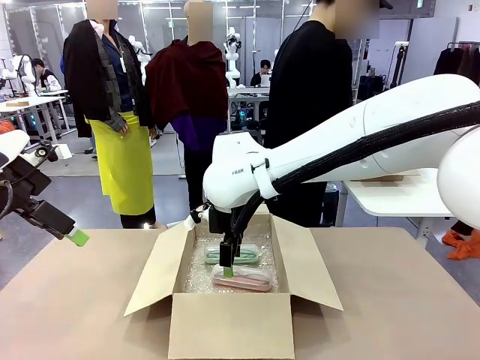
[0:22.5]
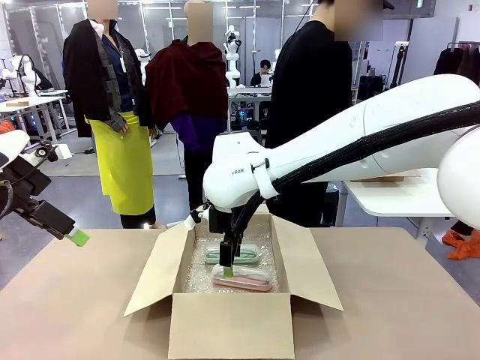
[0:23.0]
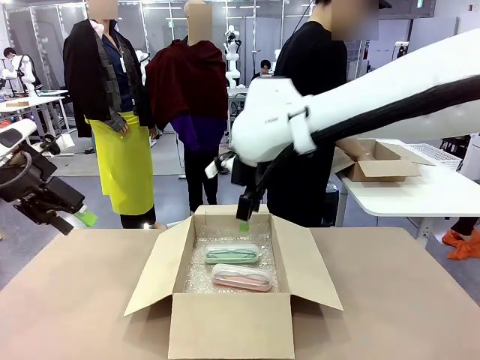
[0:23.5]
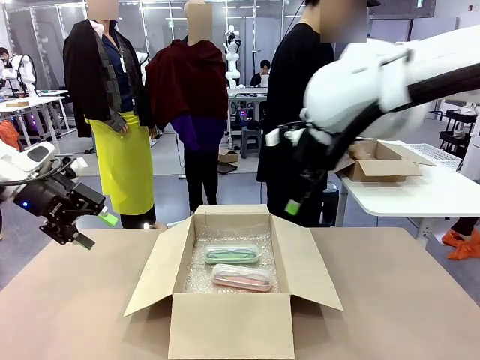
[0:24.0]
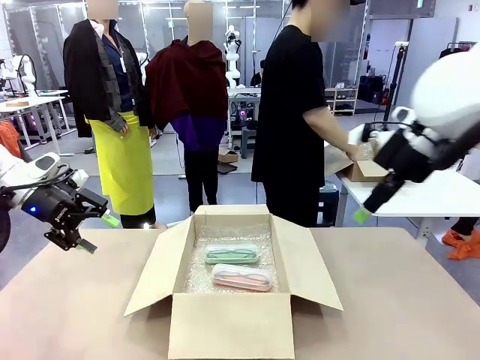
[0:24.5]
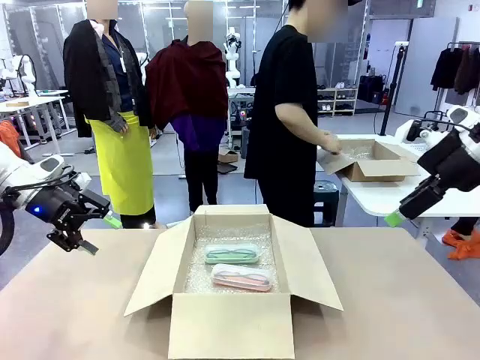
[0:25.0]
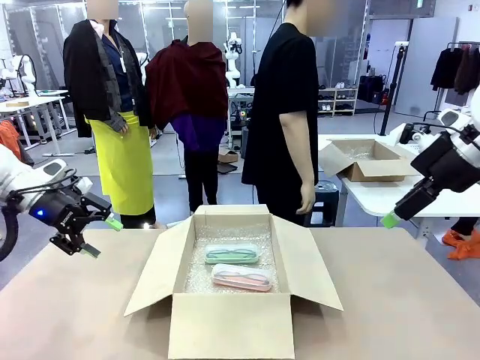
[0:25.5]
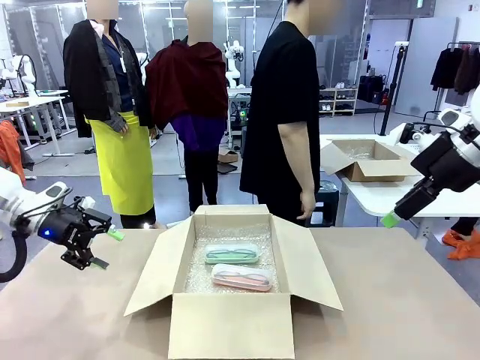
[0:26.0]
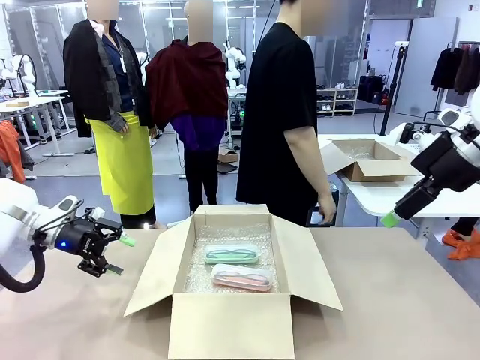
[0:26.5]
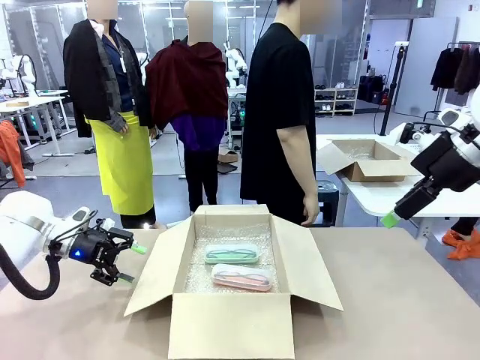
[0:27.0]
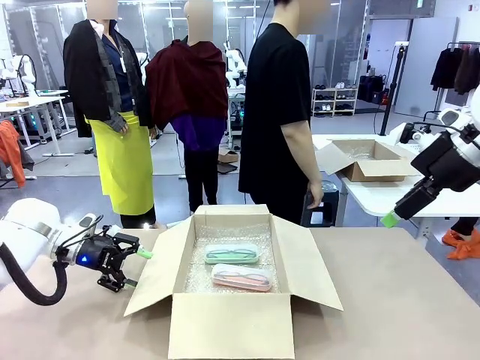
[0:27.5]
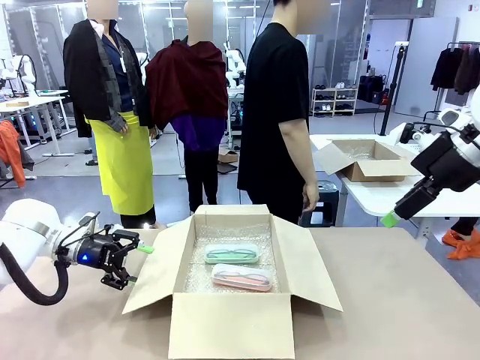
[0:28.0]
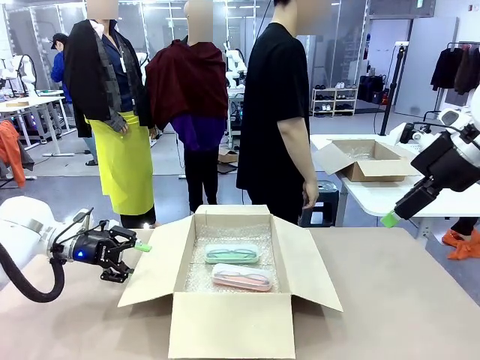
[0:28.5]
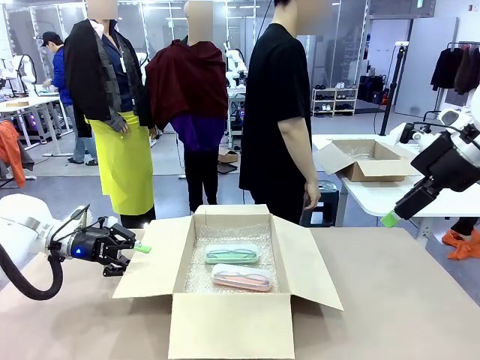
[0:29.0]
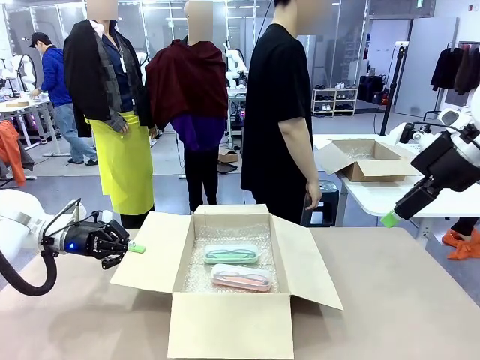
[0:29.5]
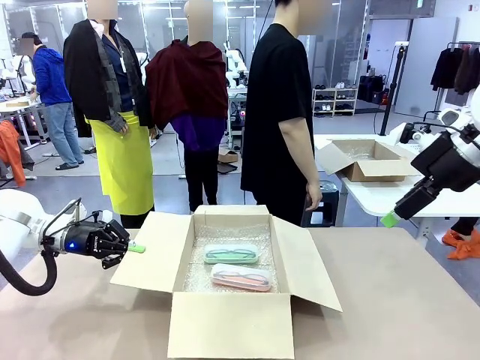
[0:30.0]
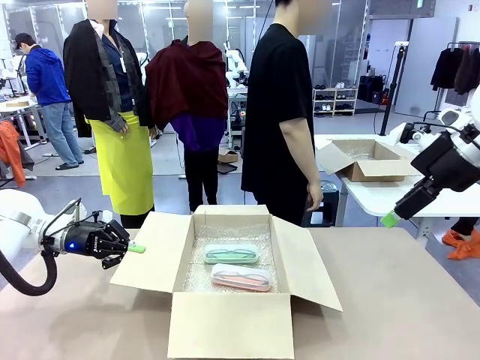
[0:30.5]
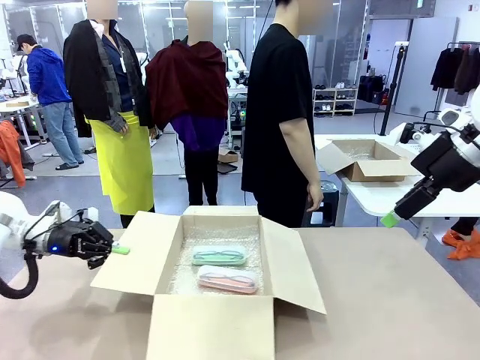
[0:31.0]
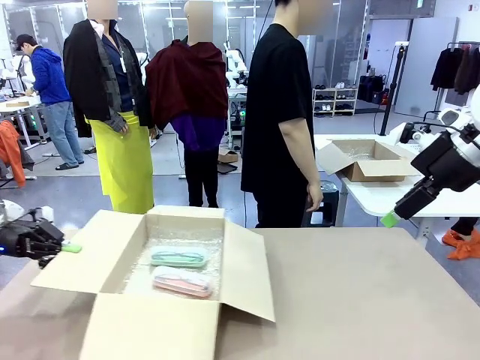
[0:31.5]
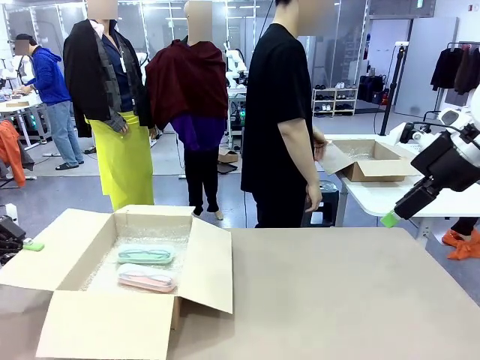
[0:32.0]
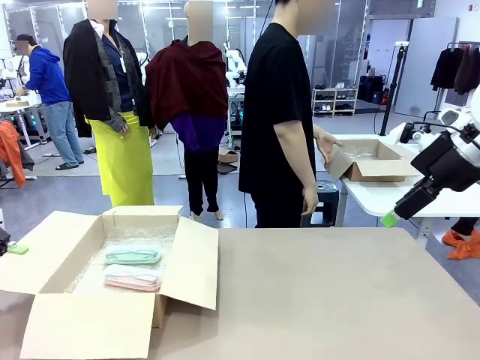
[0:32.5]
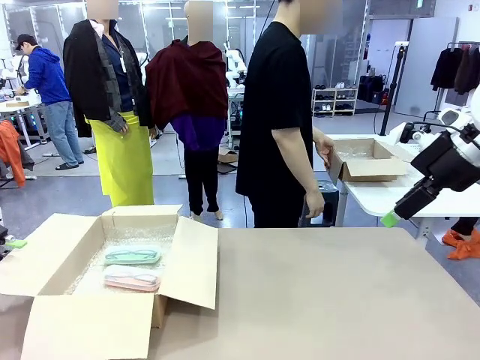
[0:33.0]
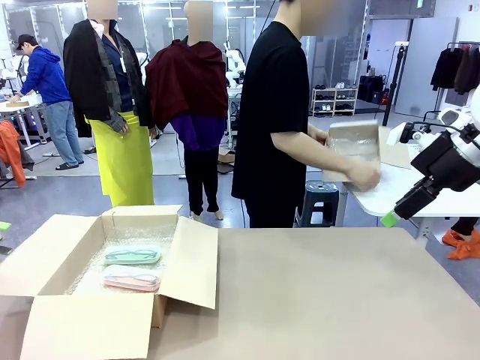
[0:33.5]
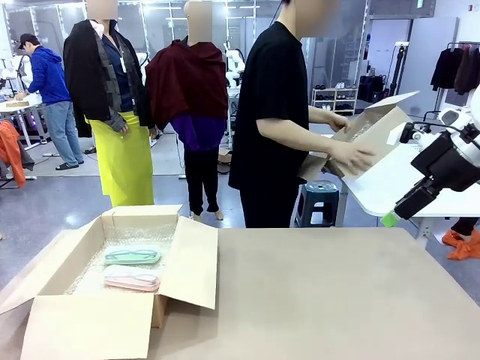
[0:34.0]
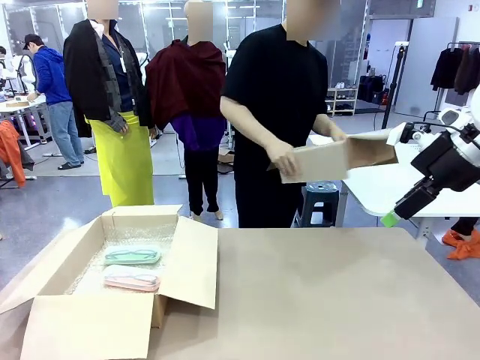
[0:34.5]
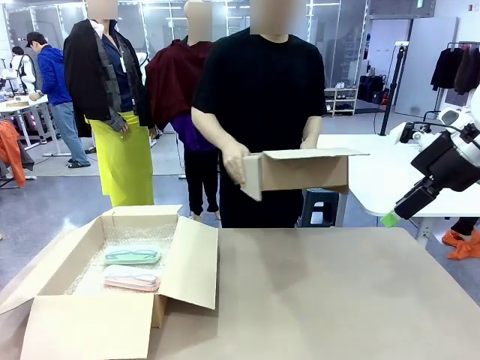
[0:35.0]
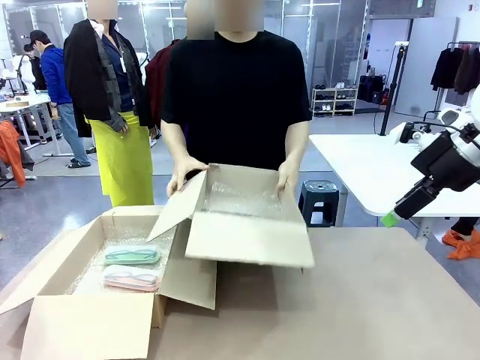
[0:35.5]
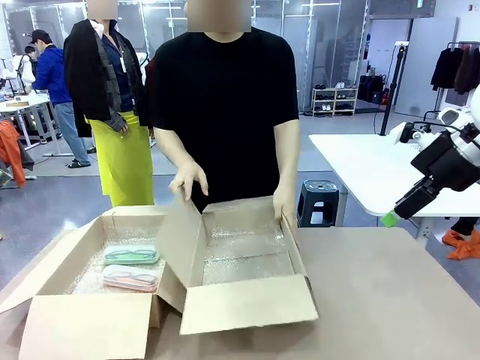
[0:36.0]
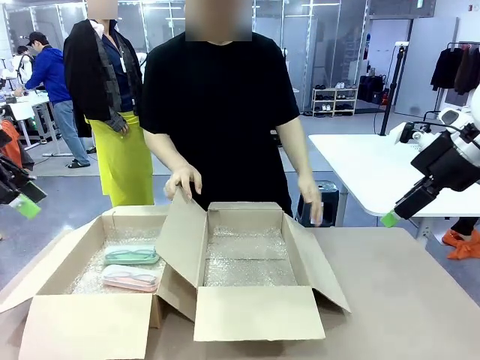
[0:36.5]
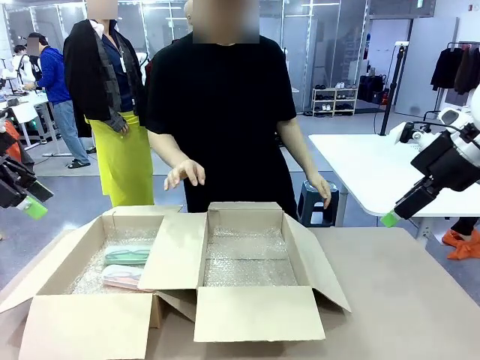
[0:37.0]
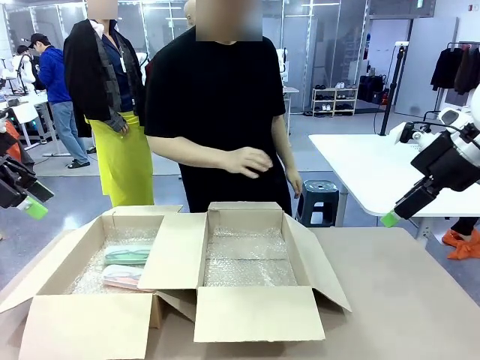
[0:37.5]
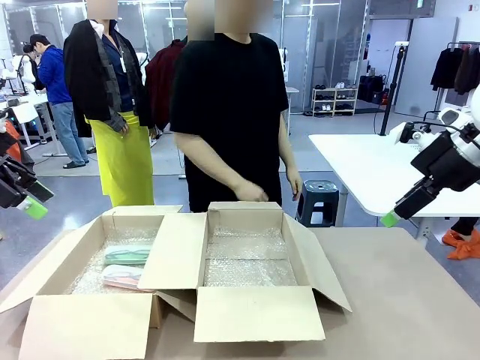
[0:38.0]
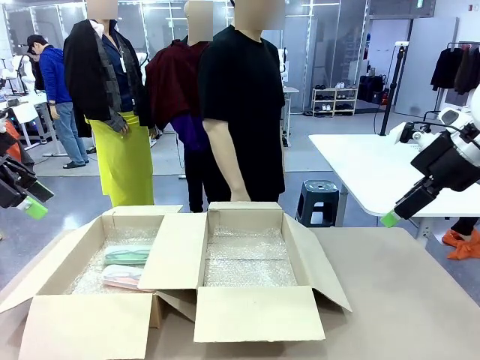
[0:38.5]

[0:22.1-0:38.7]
Task: Pack the glasses set securely to prepare it for shipping.
Robot: Position the Package Box on the left side of the table.
Person: Position the empty Package Box in the middle of the robot's table.

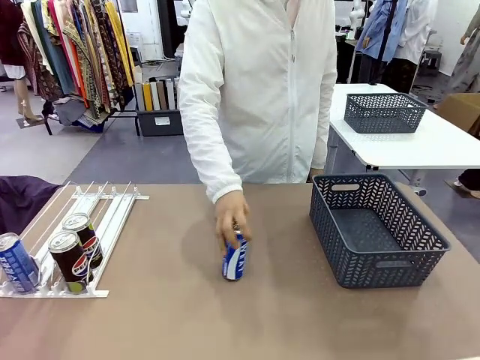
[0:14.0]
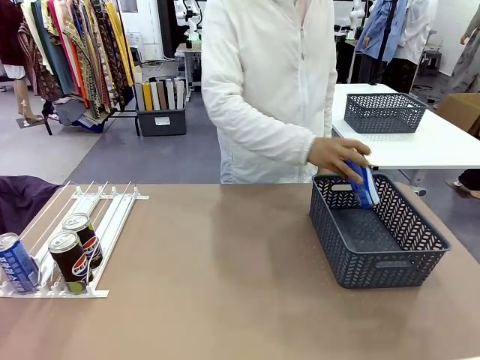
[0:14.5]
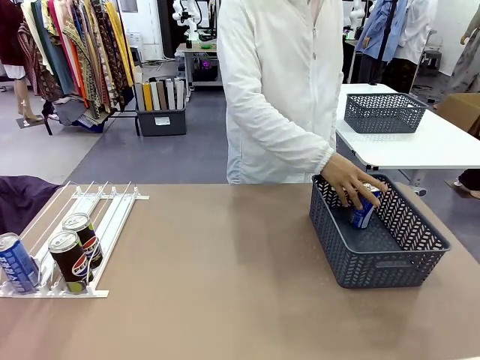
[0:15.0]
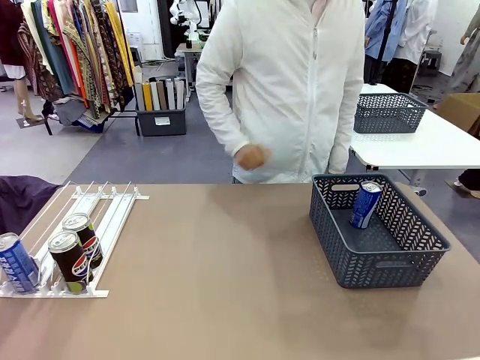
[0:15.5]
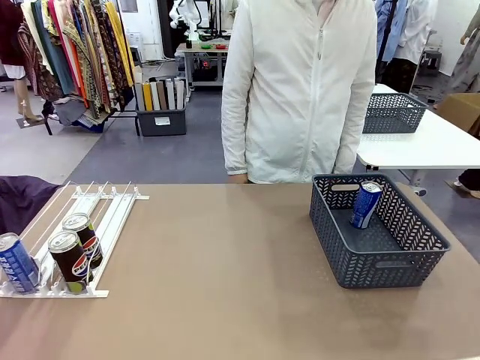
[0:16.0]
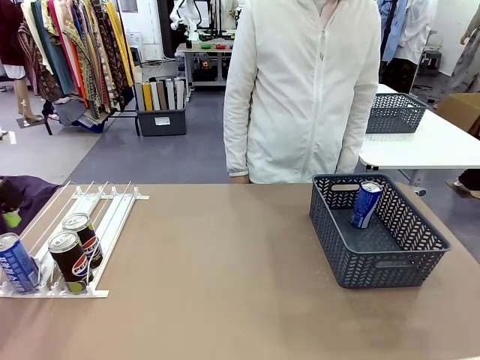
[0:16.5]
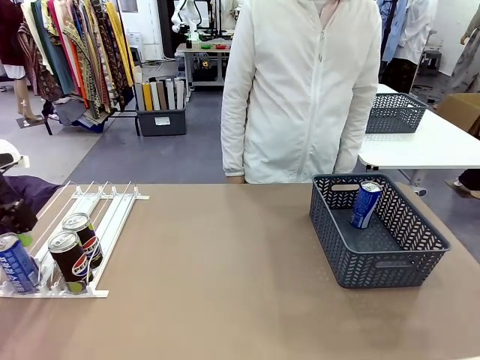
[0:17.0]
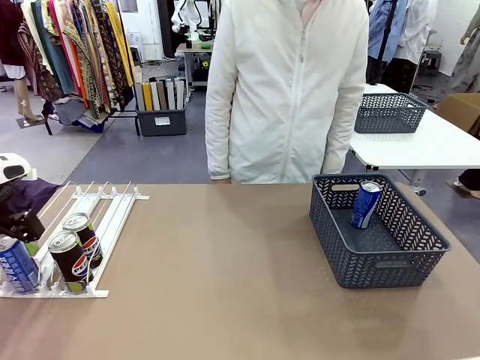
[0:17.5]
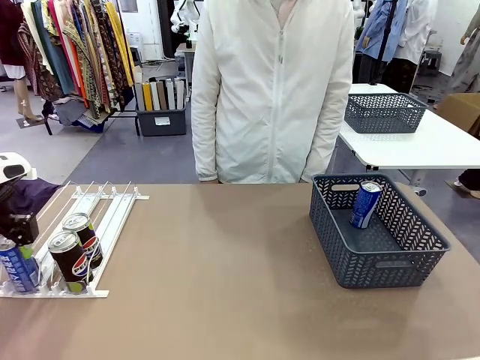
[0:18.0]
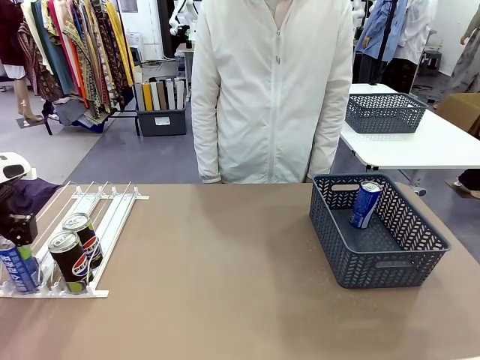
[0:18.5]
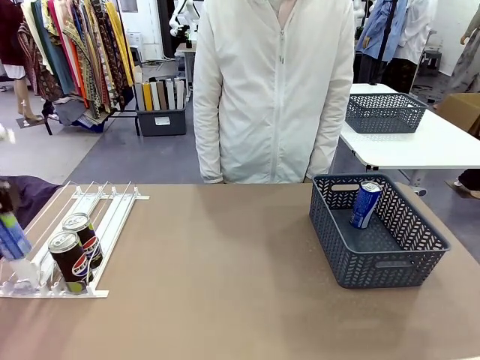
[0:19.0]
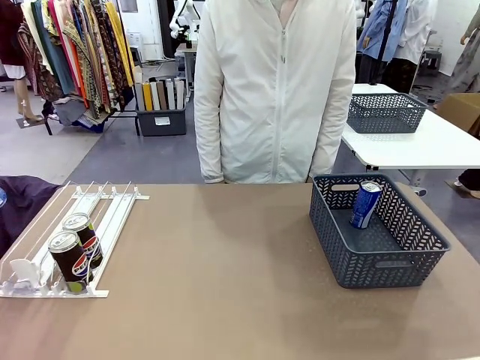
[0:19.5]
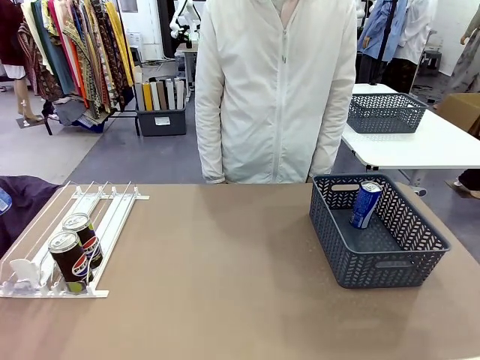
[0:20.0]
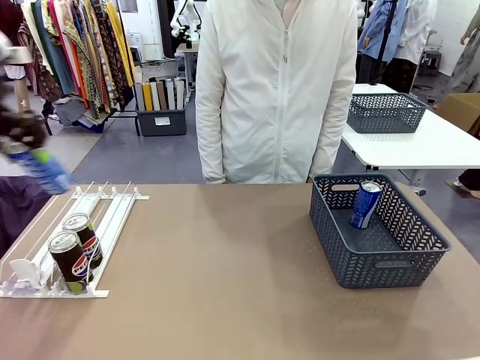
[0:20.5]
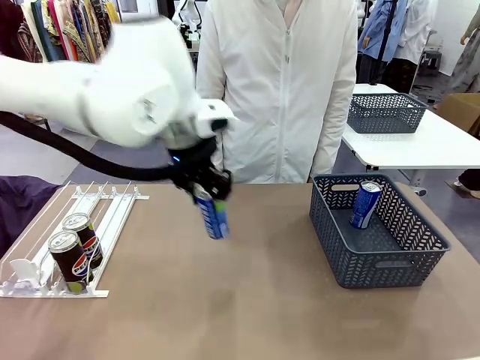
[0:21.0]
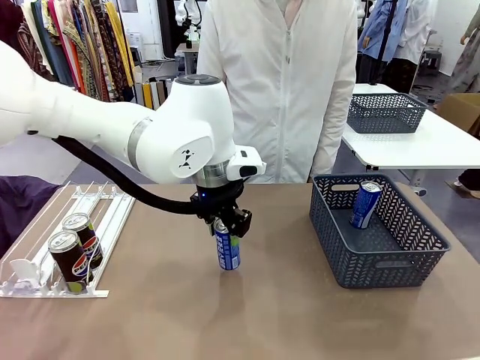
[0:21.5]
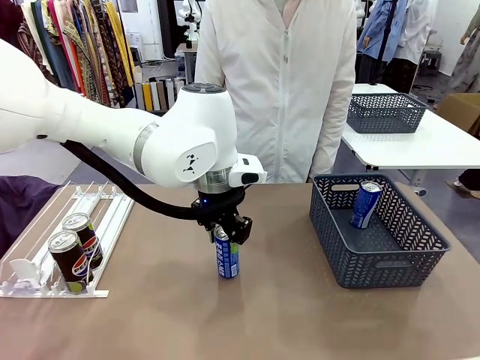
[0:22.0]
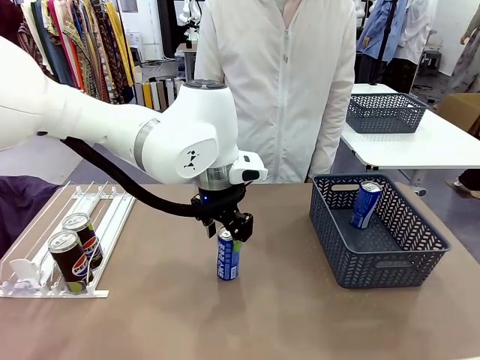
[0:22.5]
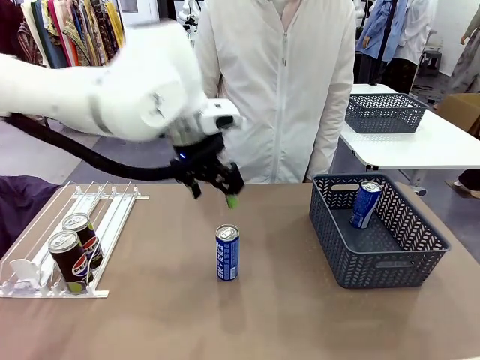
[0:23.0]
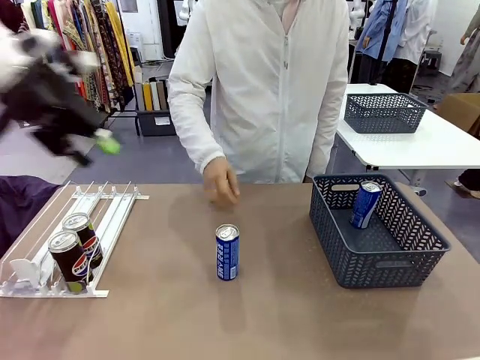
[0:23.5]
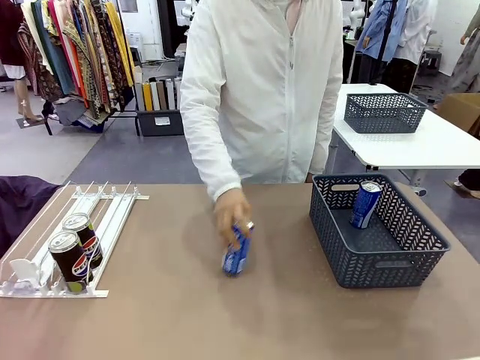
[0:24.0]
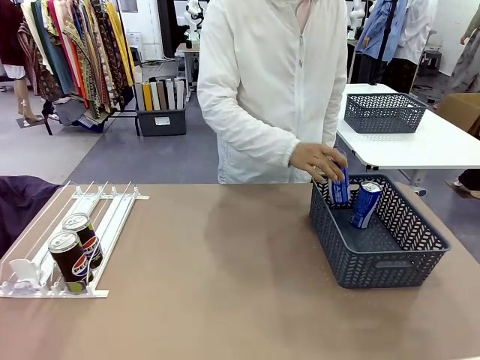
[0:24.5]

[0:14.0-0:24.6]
Task: Retrieve and store the cans from the dispenser.
Robot: Pick up the last remaining can from one row of the Automatic Can Dispenser and place it in the middle of the table.
Person: Pick up one Pepsi can from the middle of the robot table and place it in the basket.
